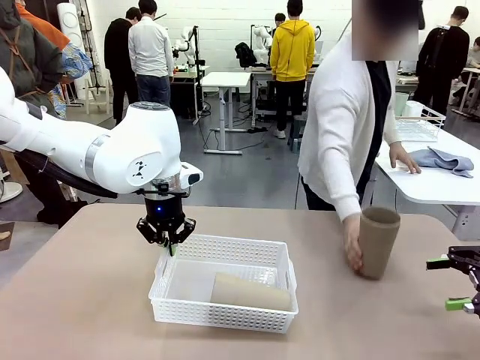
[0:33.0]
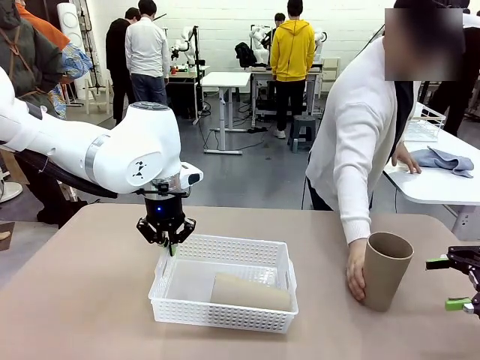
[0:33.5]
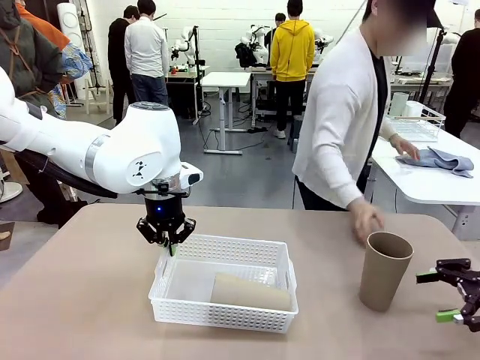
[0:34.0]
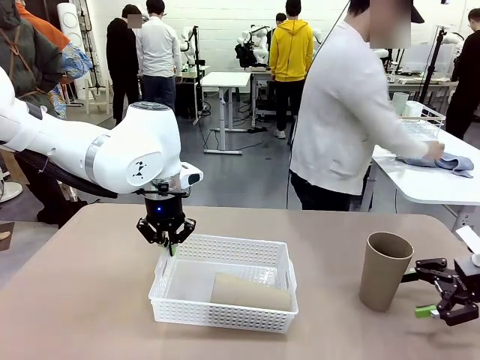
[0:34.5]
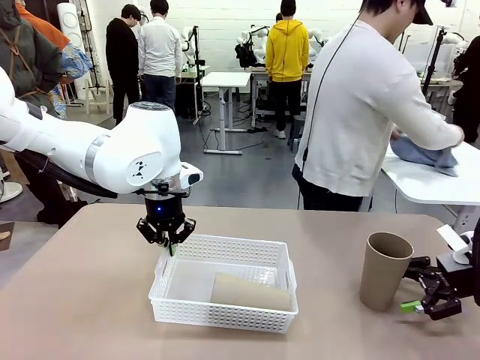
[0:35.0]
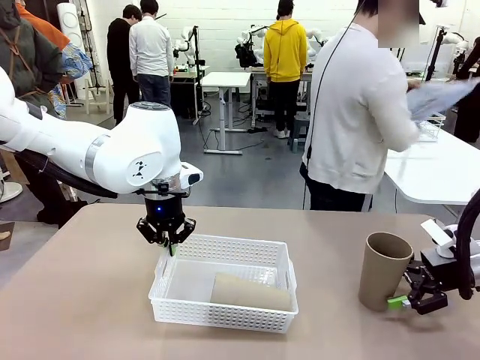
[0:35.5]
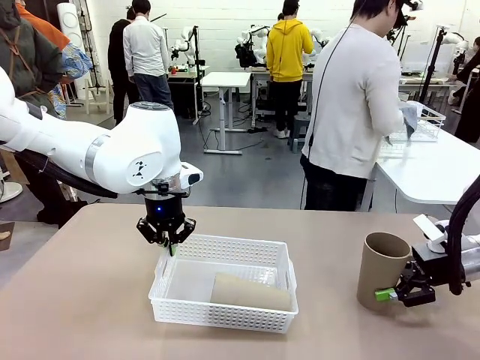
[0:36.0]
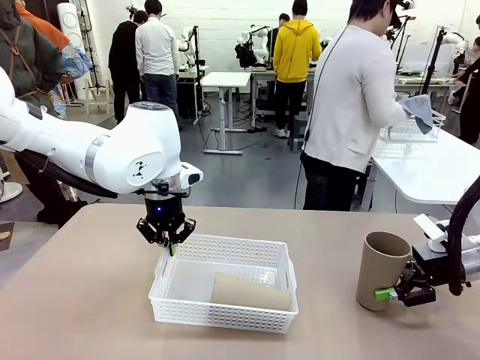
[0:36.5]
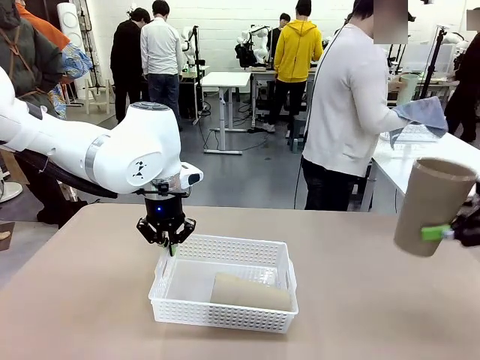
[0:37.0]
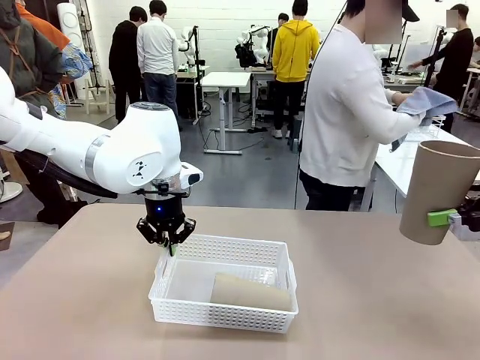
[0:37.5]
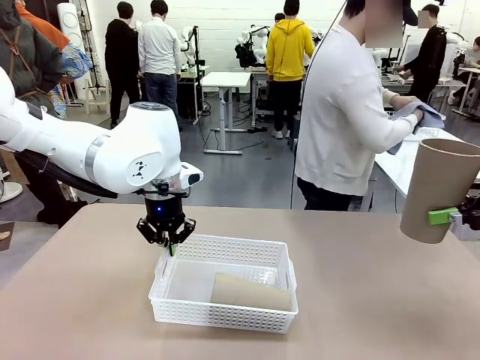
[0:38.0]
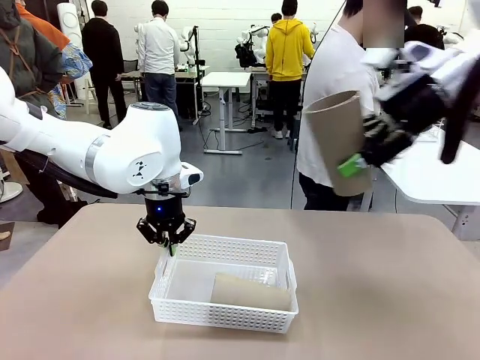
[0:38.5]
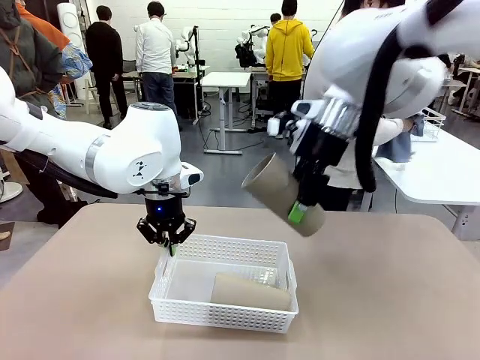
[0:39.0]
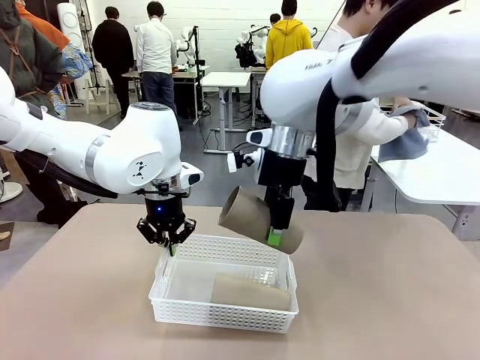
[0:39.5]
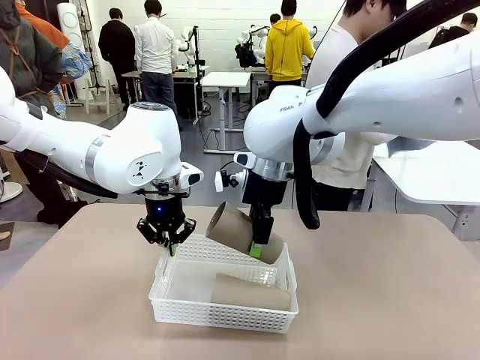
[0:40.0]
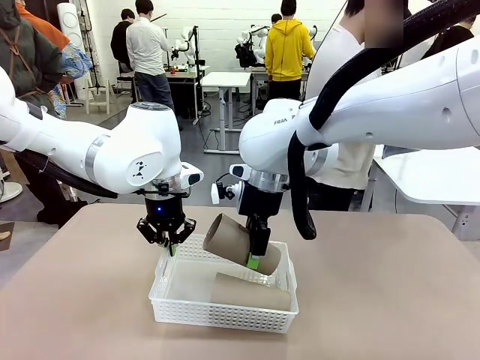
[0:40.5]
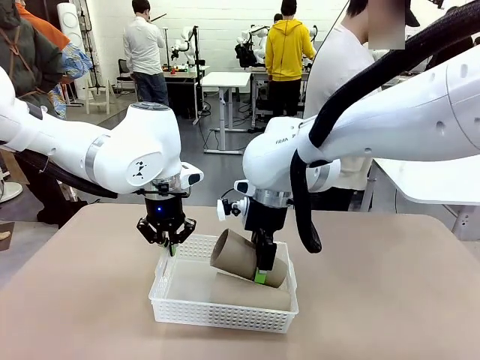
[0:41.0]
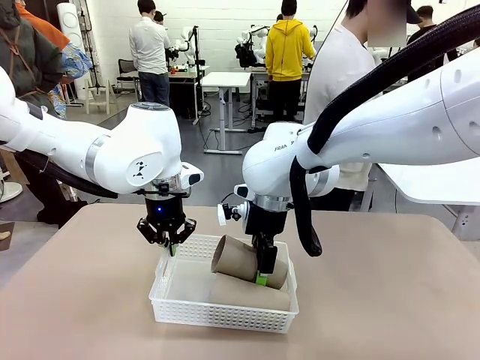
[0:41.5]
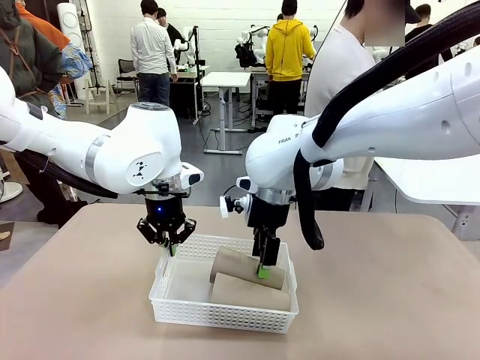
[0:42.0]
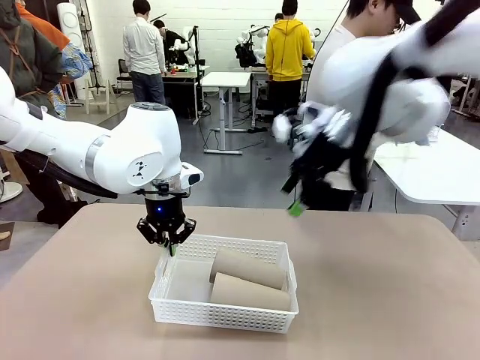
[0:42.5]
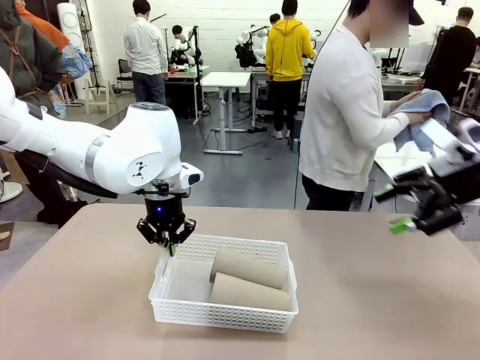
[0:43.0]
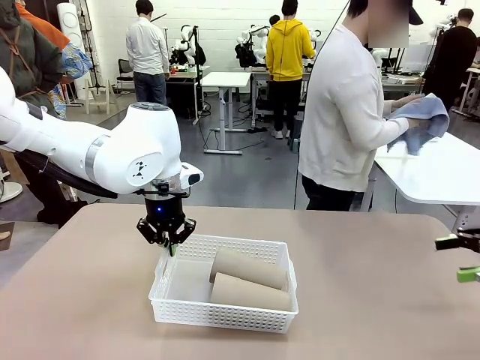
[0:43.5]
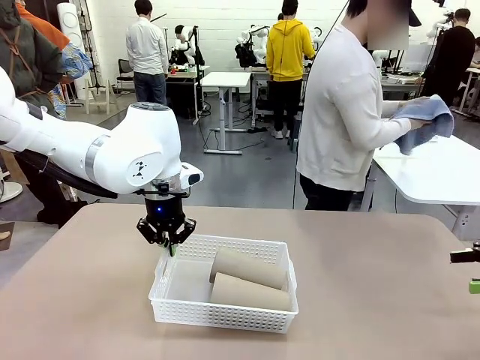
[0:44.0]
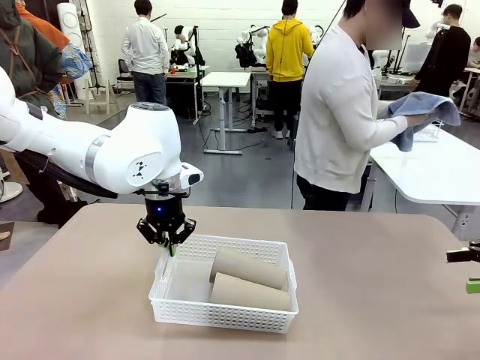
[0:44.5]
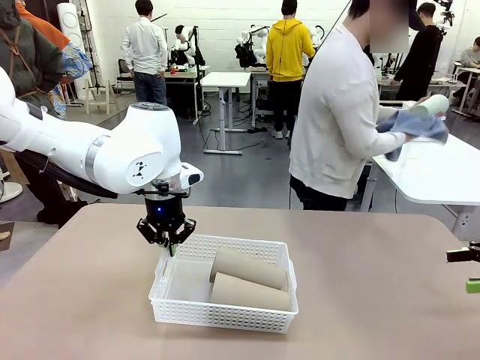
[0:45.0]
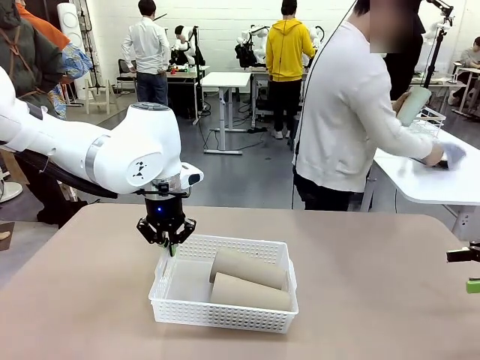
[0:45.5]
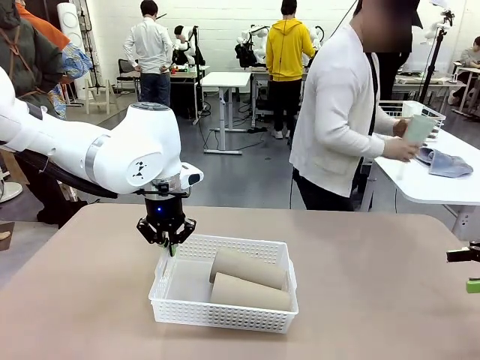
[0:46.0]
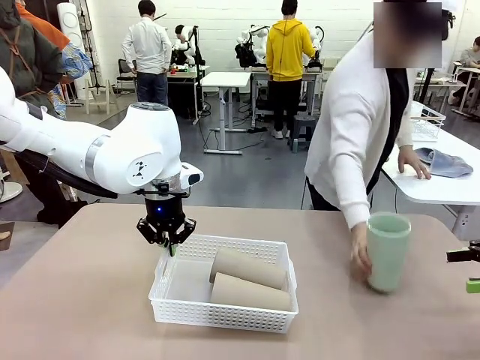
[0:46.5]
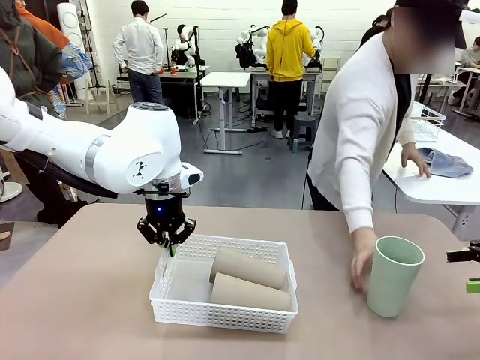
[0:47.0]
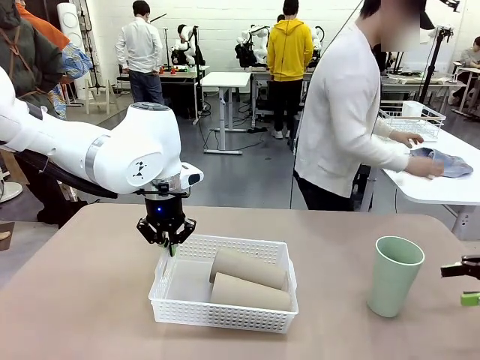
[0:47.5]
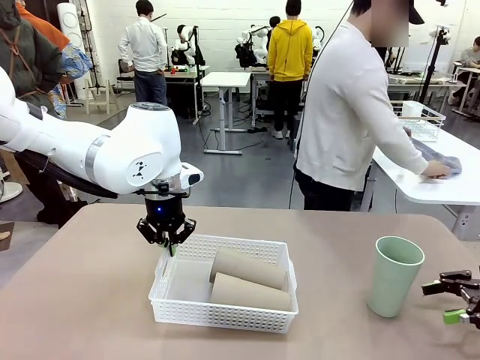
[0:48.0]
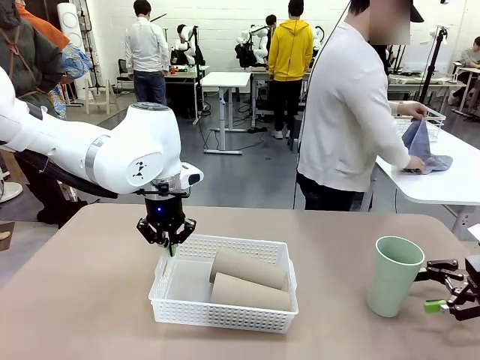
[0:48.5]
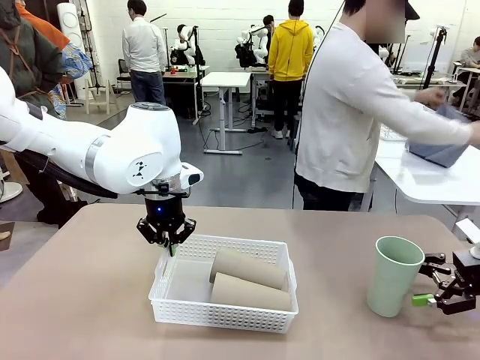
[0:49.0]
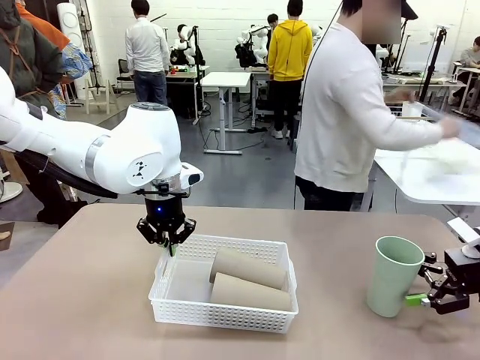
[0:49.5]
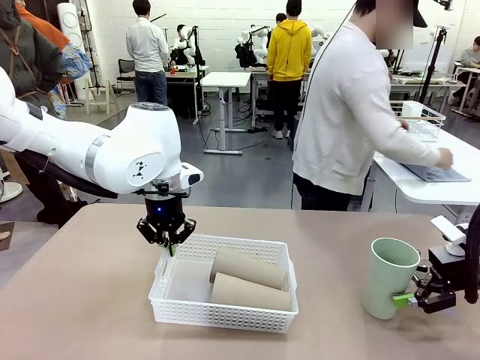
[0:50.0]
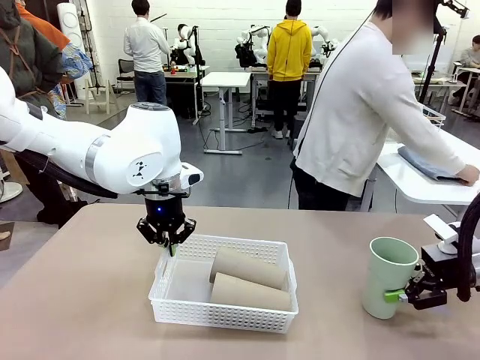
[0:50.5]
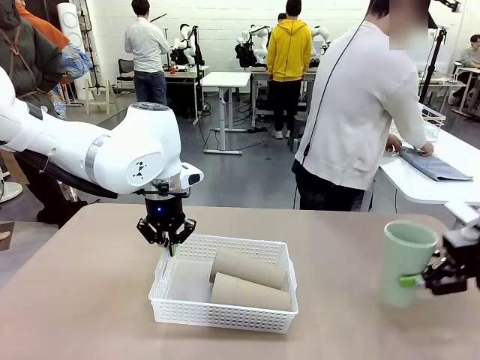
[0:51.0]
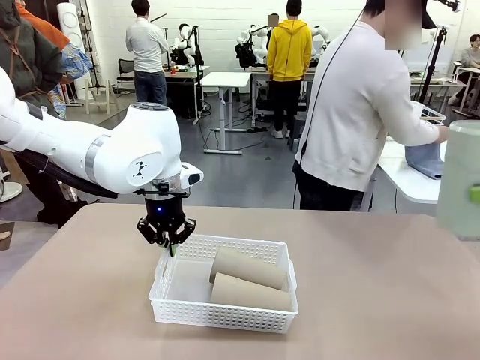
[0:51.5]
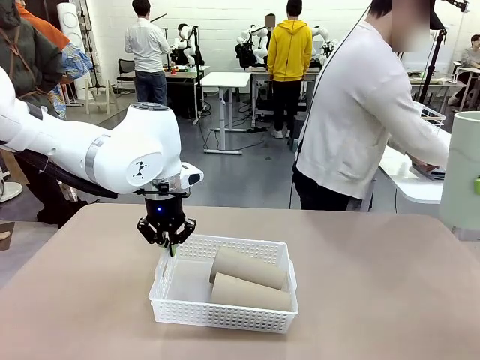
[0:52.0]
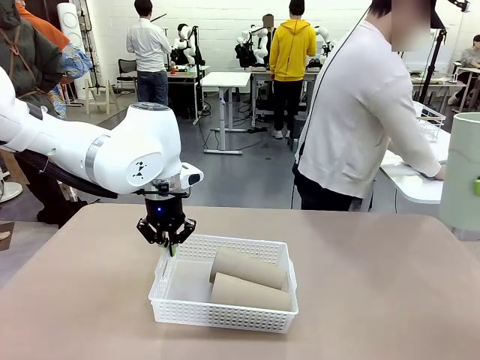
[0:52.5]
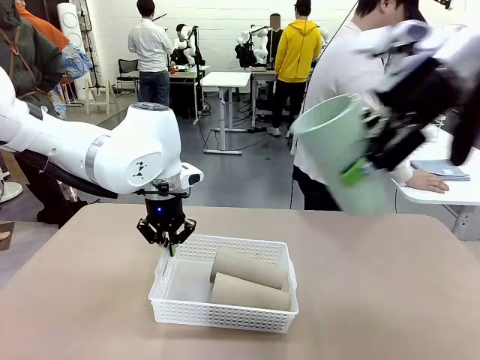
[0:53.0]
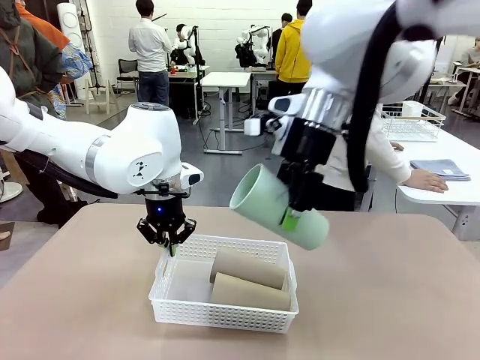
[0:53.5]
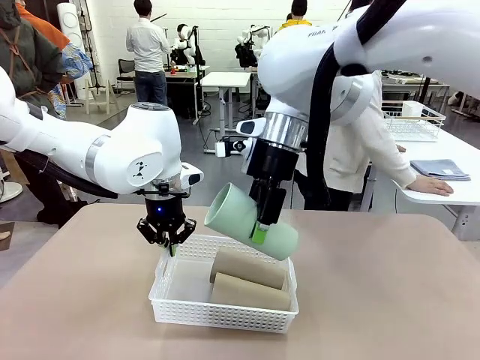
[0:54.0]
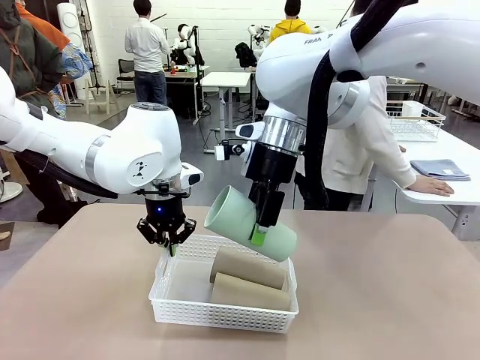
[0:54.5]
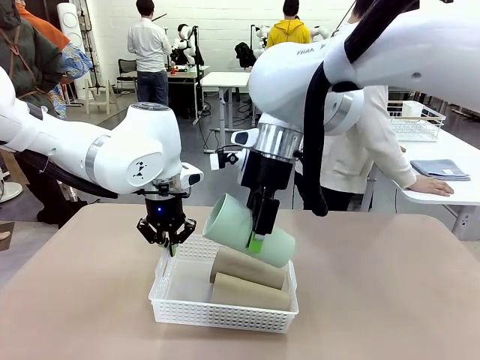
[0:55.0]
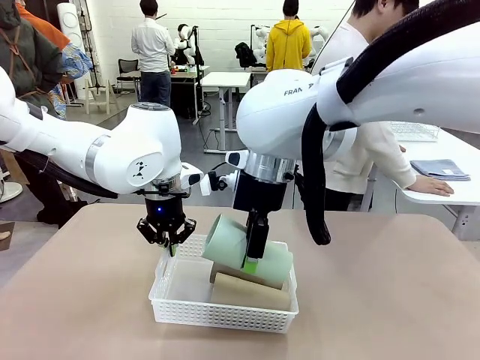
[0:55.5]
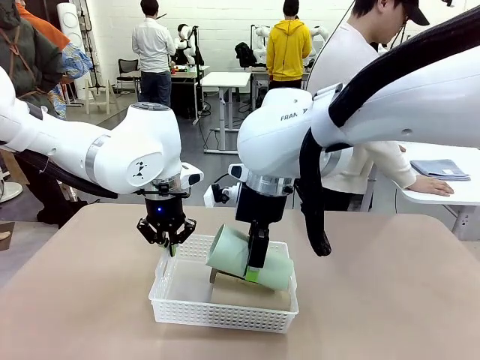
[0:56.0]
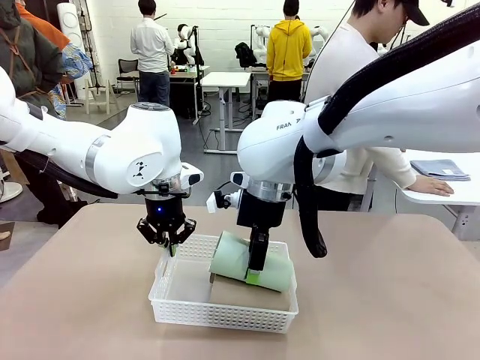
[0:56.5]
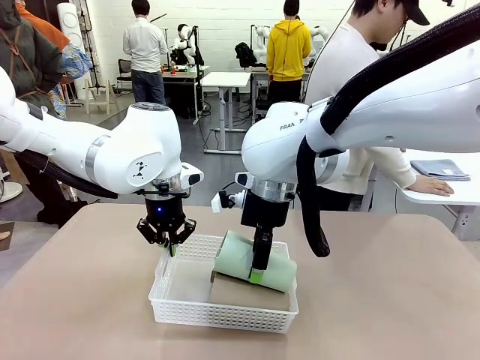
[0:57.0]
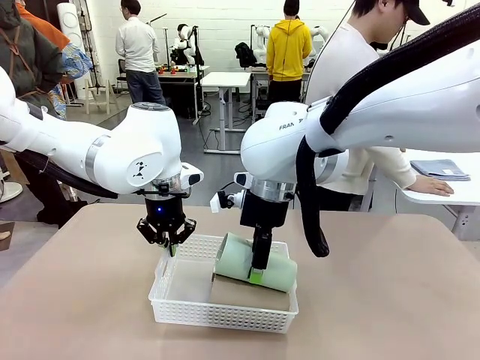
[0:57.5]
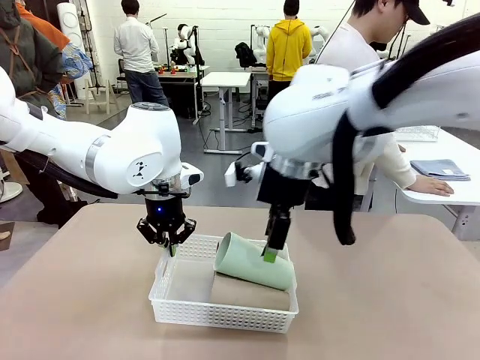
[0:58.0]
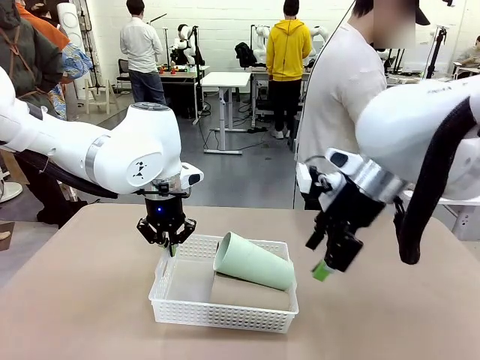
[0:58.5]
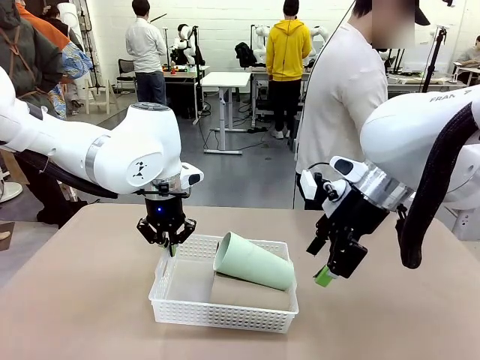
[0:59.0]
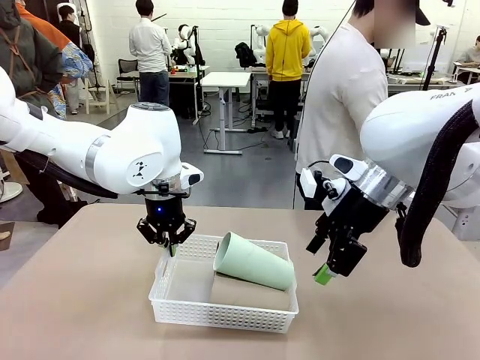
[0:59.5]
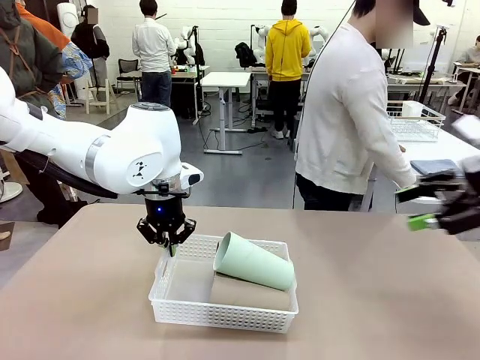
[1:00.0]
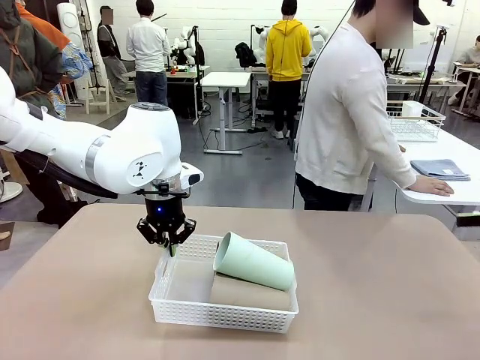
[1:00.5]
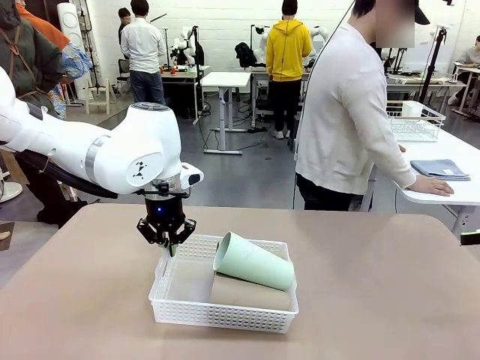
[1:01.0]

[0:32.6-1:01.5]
Task: Clean and organize the cups into the basket.
Robot: Pick up the Reusable plastic cup from the right side of the table and stack it inside the Organizing basket in the center of the table.
Person: Folds the towel in half twice and places it in the right of the table.
